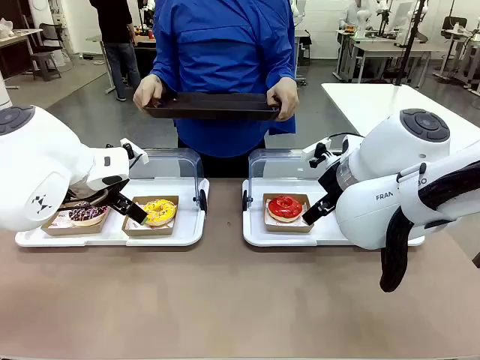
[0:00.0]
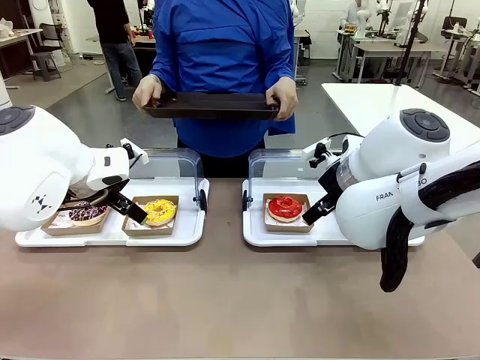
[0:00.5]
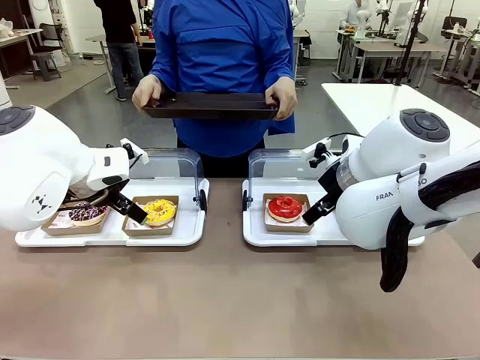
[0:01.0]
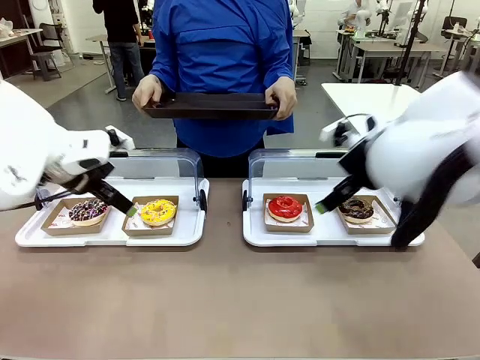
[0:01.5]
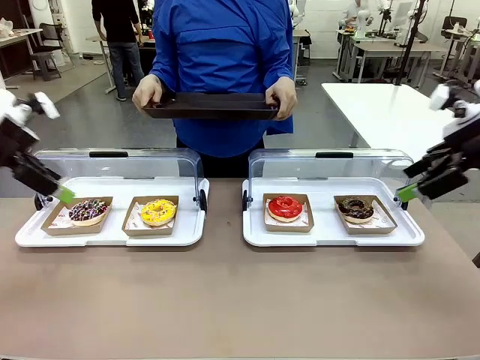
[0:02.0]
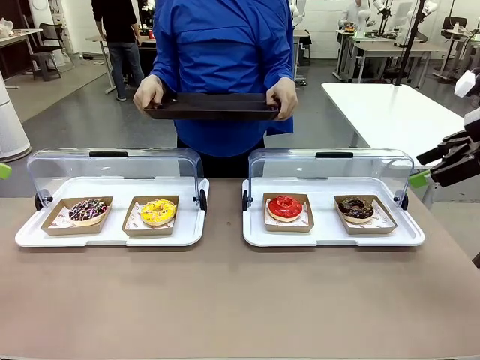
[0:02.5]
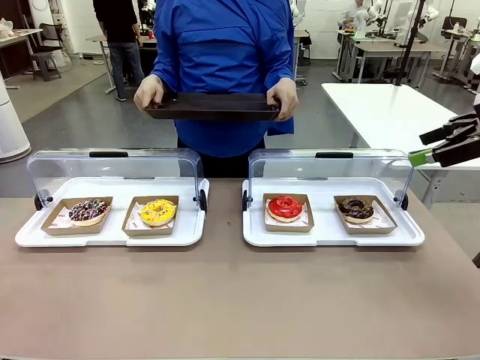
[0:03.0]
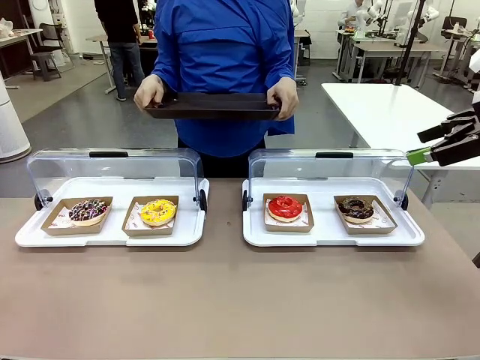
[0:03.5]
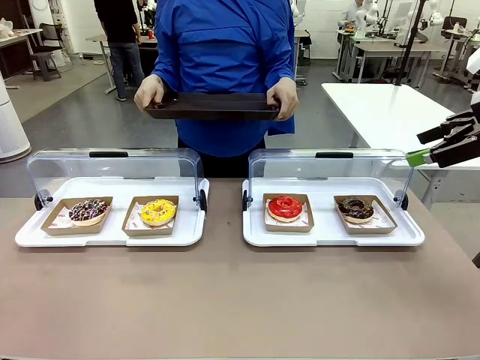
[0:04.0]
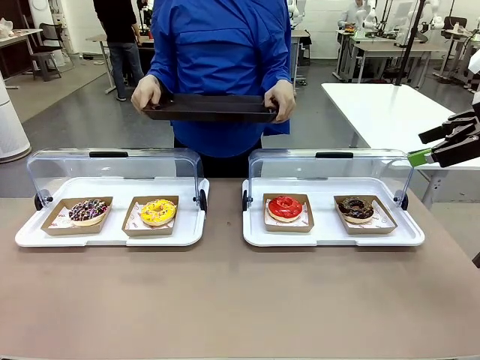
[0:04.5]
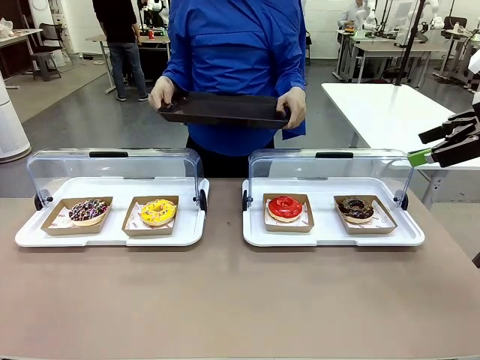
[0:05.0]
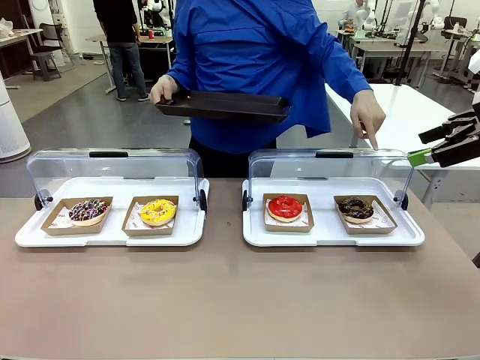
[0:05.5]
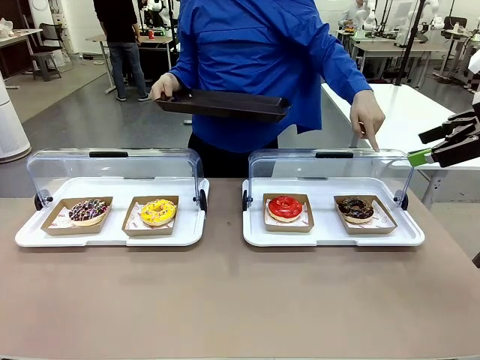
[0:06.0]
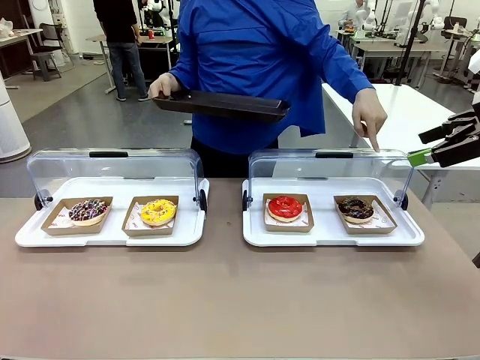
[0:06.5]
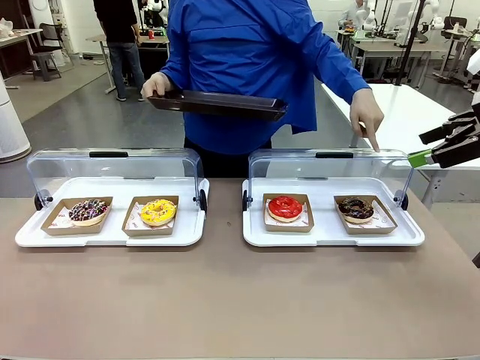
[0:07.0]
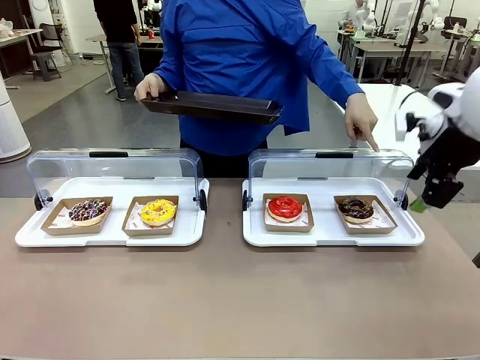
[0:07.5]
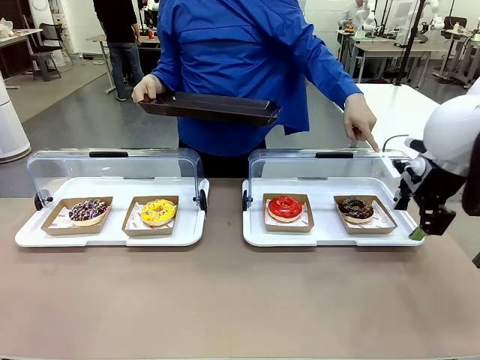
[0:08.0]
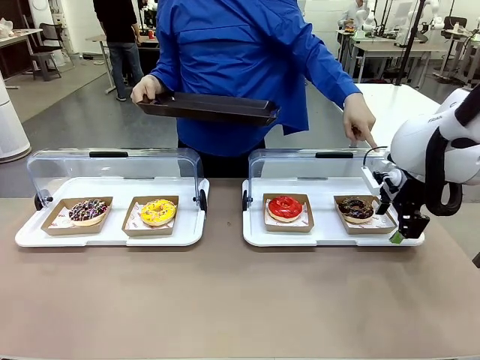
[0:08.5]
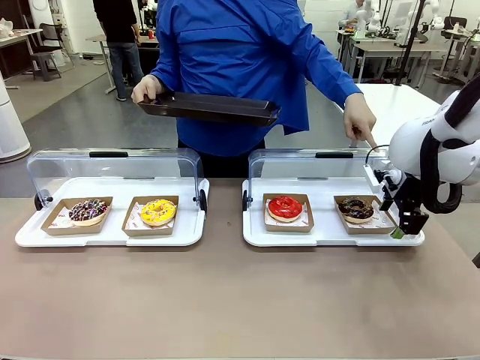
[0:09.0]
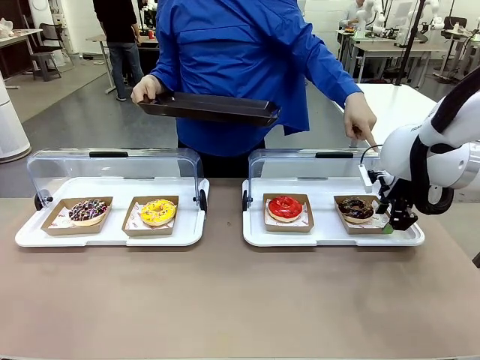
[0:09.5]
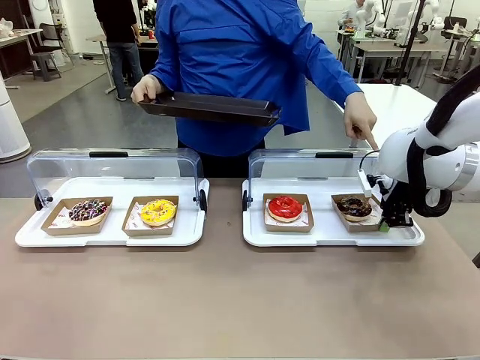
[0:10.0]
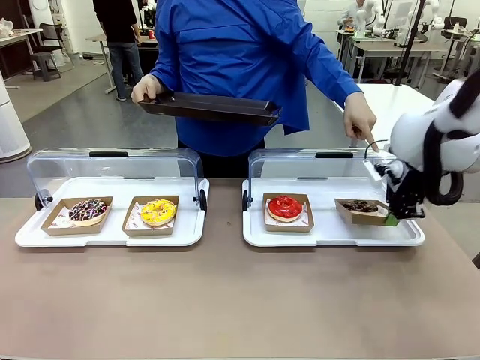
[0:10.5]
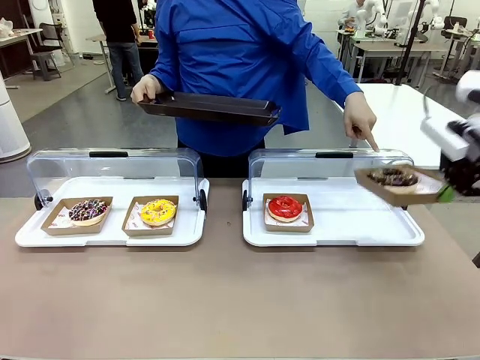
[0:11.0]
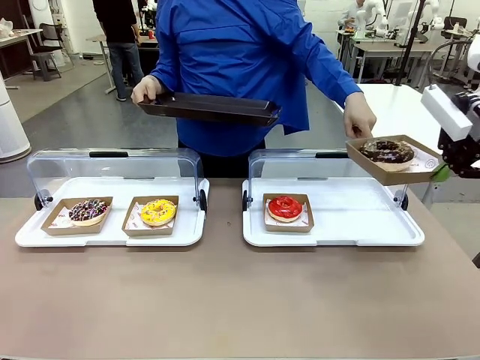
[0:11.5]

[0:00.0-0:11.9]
Task: Provide the desired donut to the person.
Robot: Pick up and lift the Paper togo box containing the Donut pointed at by the person.
Person: Point to one donut. Lift the tray onto the Roll-Top Bakery Case.

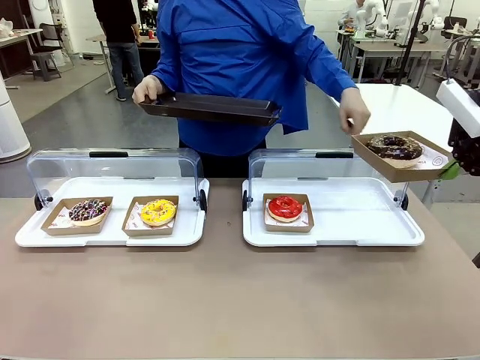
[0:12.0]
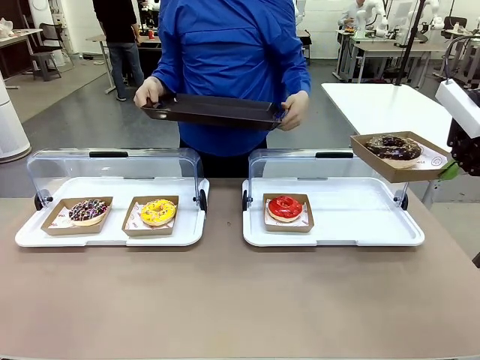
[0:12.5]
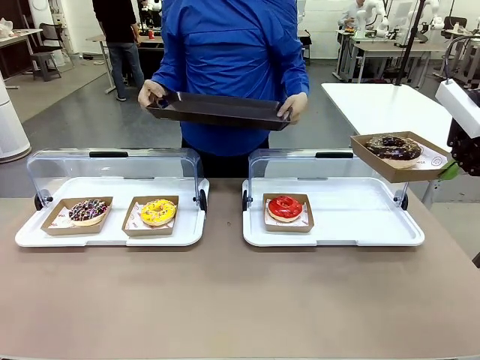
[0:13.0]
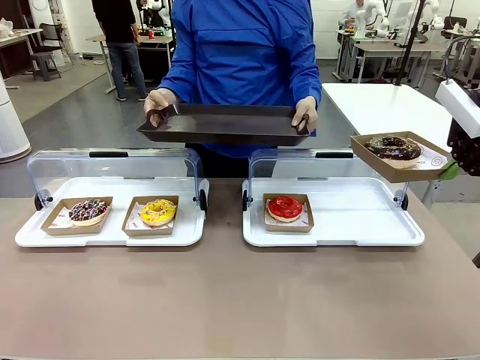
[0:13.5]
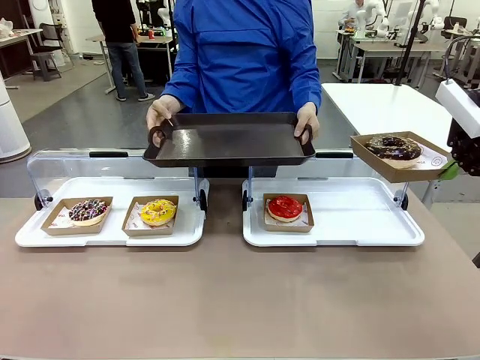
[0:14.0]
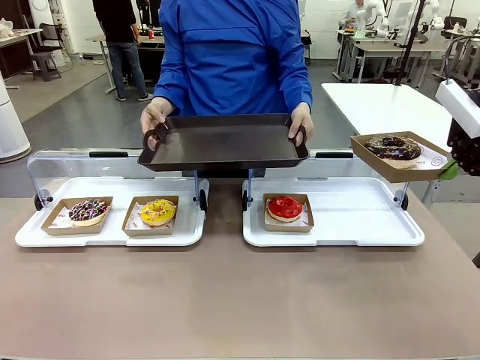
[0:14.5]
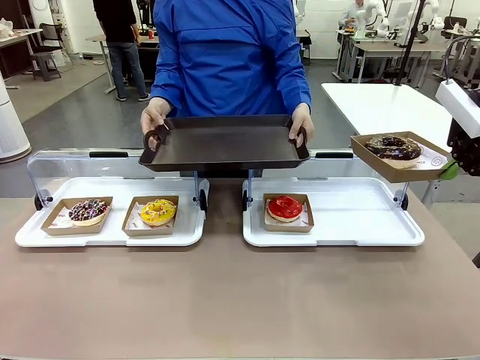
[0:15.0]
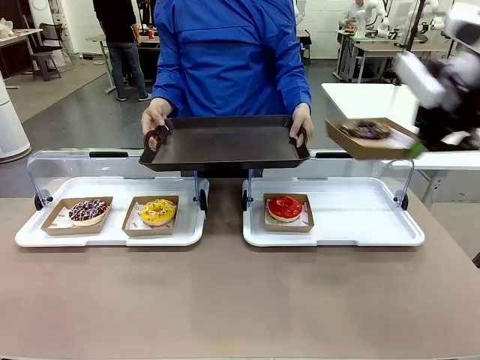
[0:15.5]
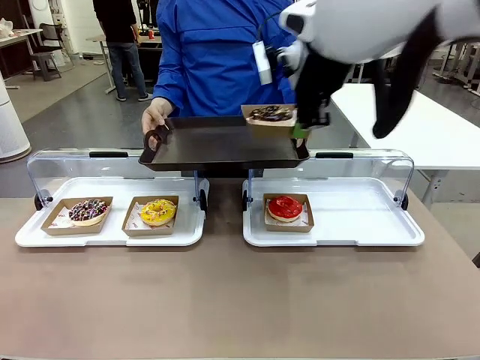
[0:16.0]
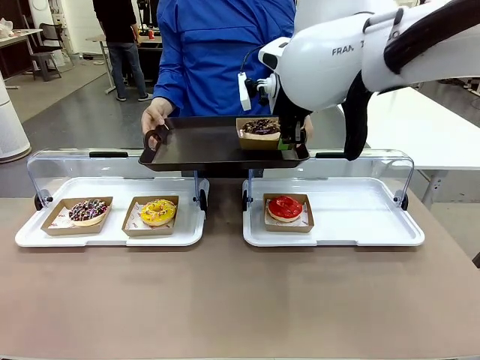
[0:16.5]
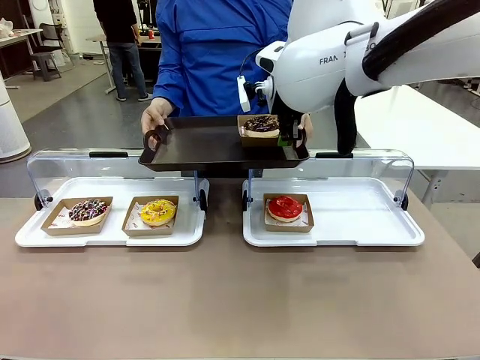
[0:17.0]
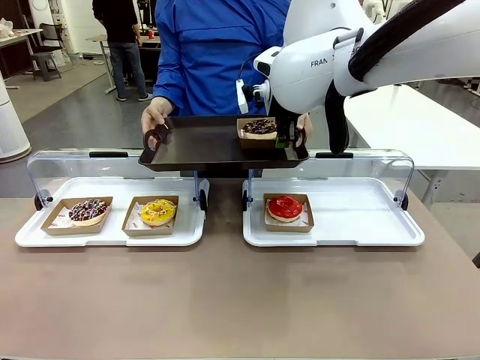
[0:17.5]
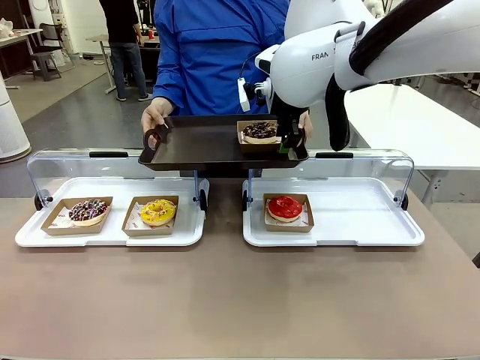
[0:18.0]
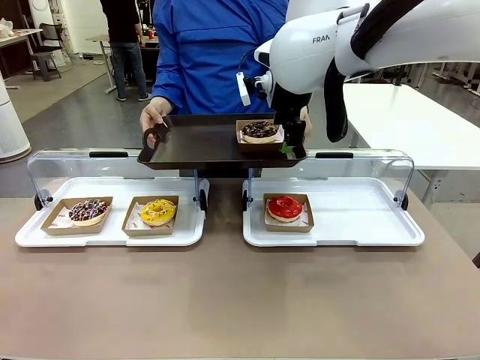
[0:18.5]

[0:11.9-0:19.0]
Robot: Place the picked Paper togo box onto the Handle tray extended by the person.
Person: Point to one donut.

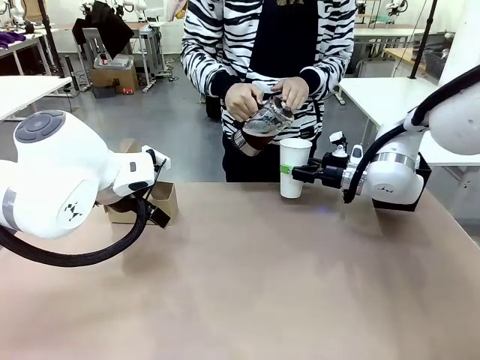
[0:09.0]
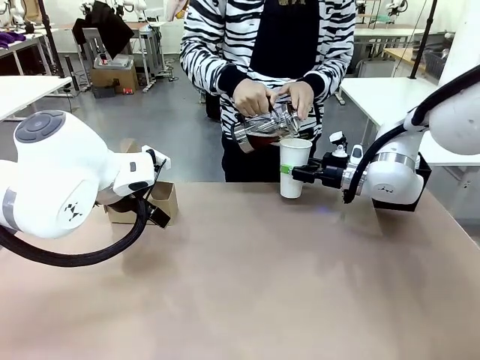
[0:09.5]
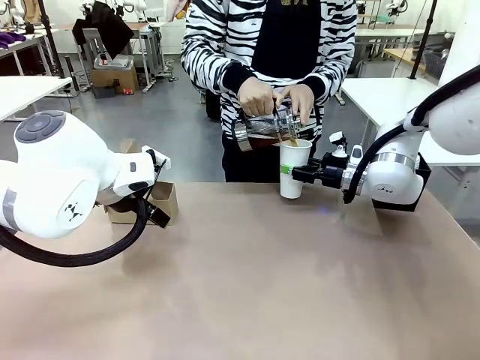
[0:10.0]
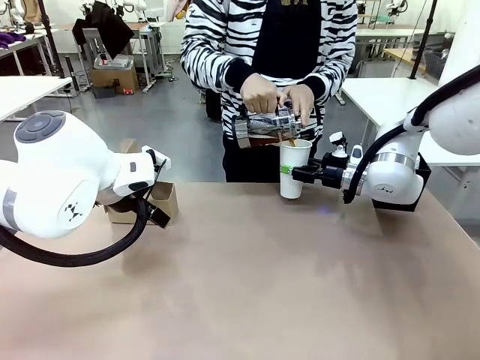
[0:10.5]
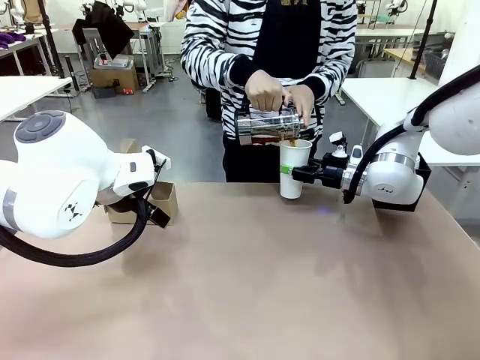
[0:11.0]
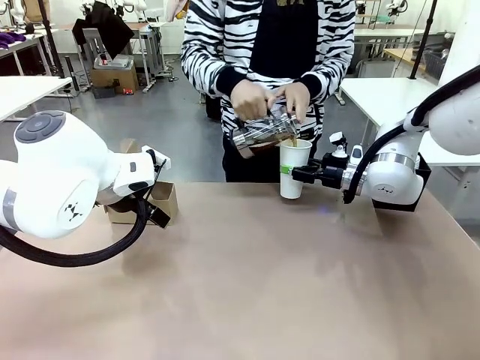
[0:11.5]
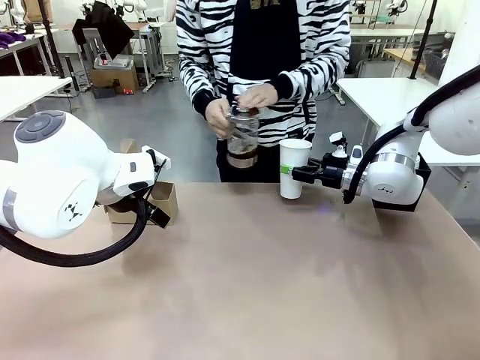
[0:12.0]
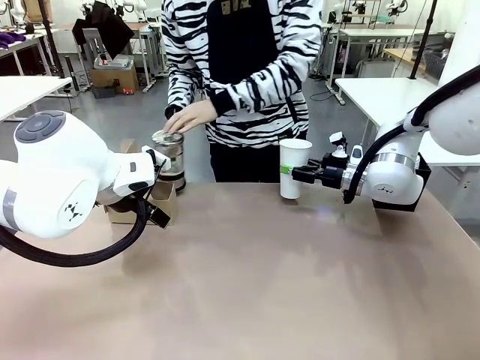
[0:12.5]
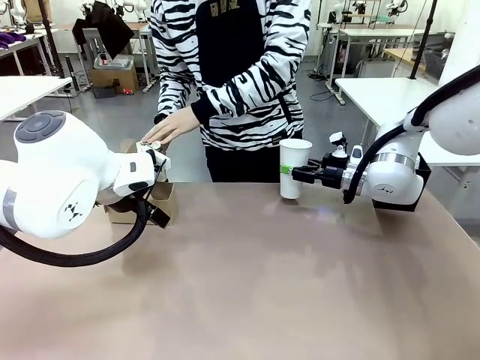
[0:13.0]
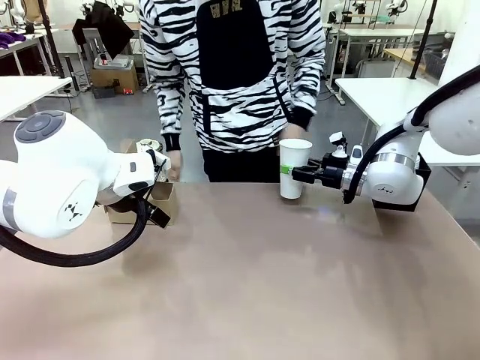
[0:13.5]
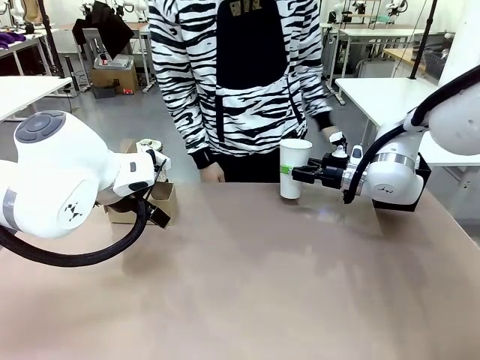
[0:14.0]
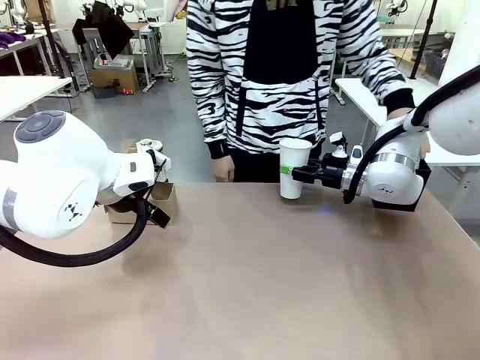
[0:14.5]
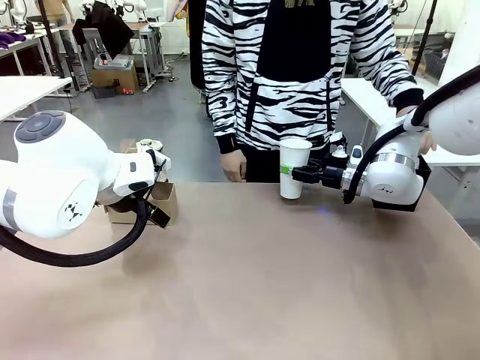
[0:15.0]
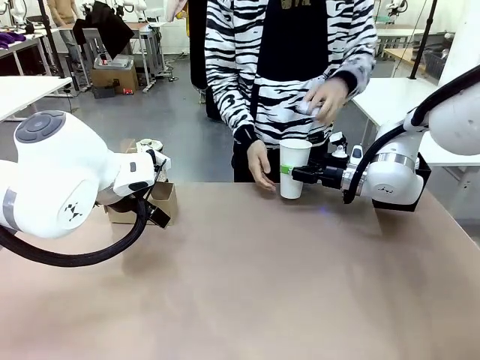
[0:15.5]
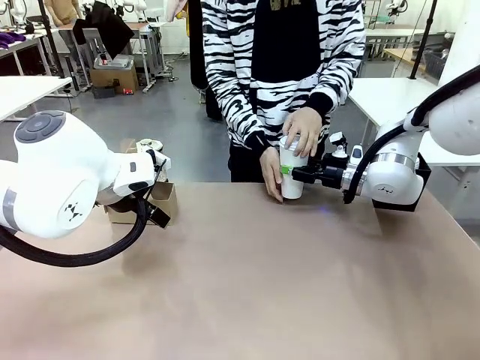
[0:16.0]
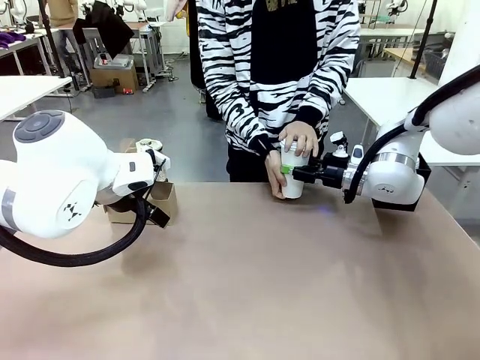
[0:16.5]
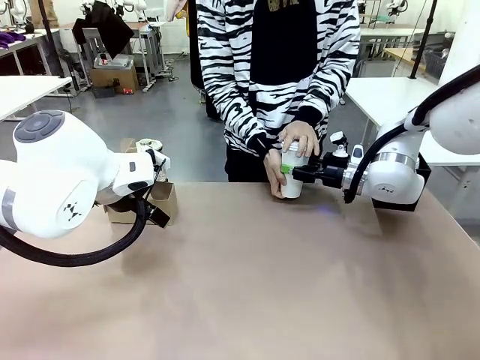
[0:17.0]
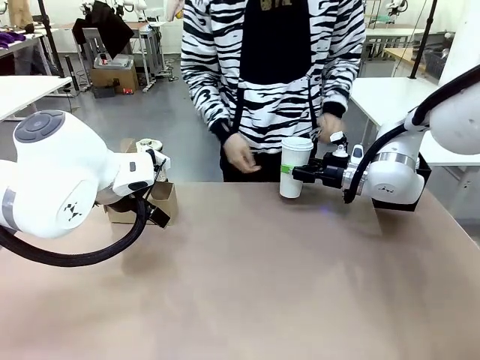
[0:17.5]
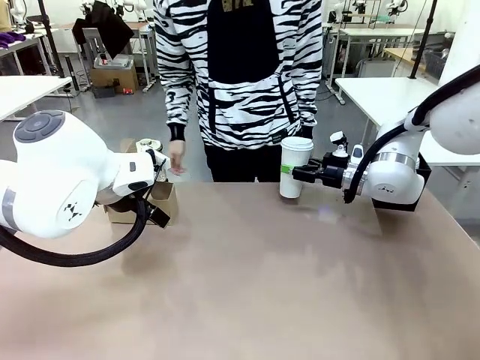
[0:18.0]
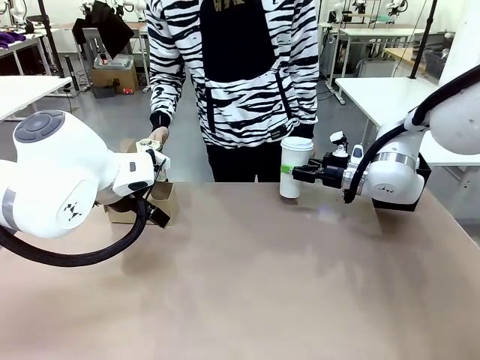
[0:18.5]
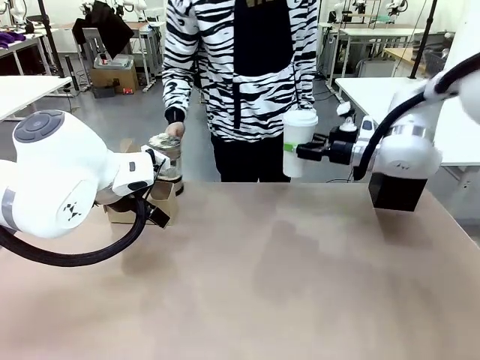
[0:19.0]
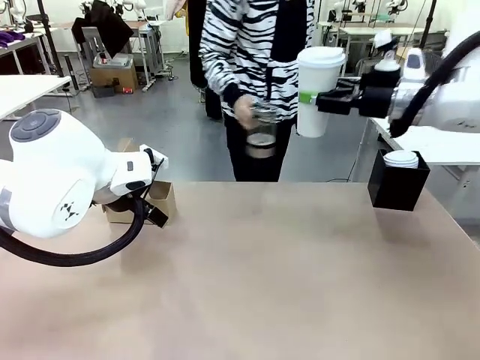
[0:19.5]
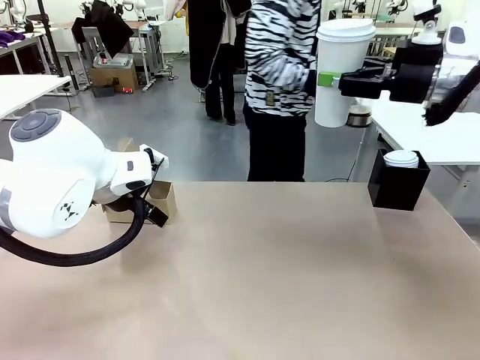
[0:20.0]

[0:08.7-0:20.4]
Task: Pour a drink into a cup and package it in a carrier.
Robot: When a person places the Paper Cup Lid on the 600 ml Paper Cup , lift the 600 ml Paper Cup.
Person: Pour the drink from the Filter Brewing into the 600 ml Paper Cup. Place a Paper Cup Lid on the 600 ml Paper Cup.
